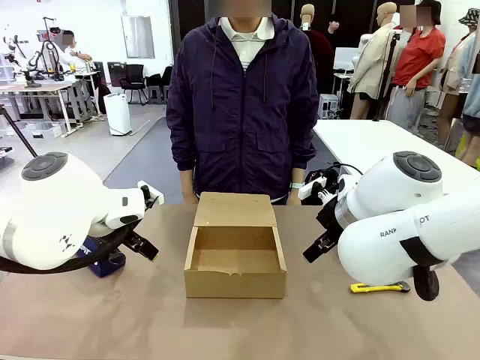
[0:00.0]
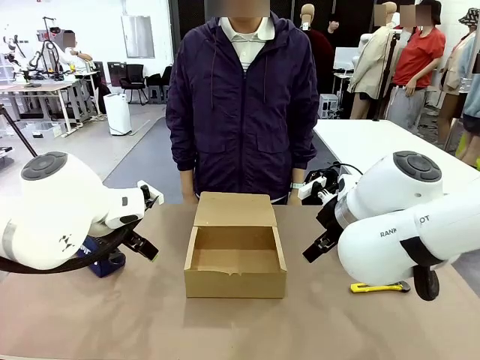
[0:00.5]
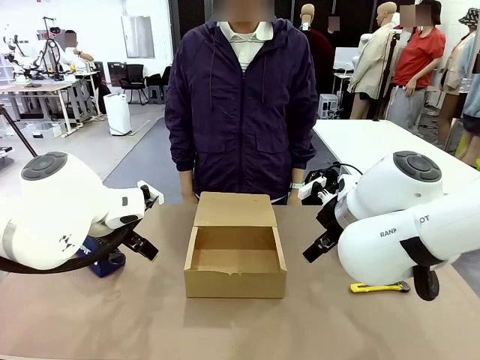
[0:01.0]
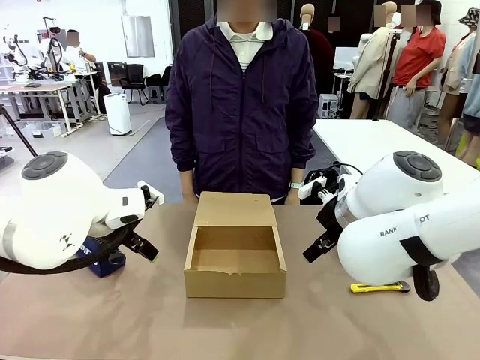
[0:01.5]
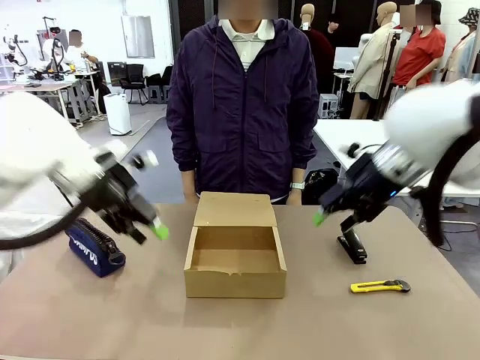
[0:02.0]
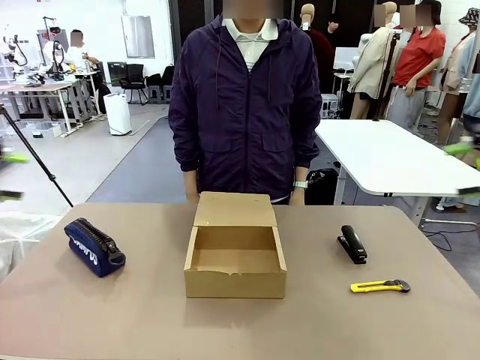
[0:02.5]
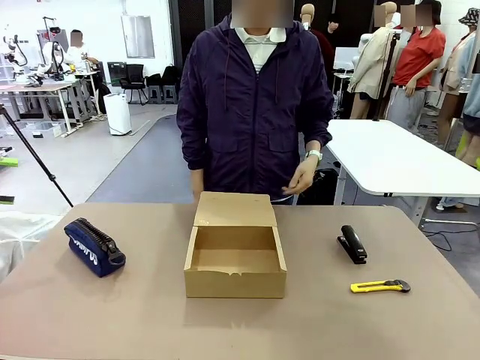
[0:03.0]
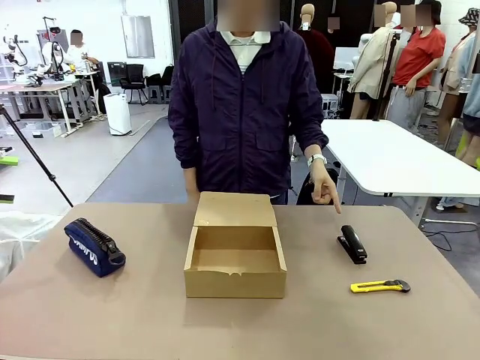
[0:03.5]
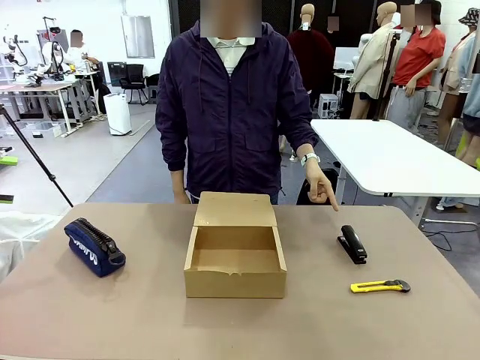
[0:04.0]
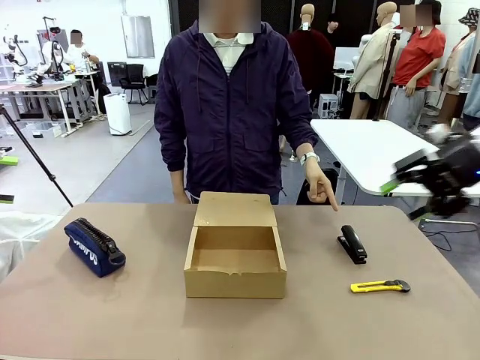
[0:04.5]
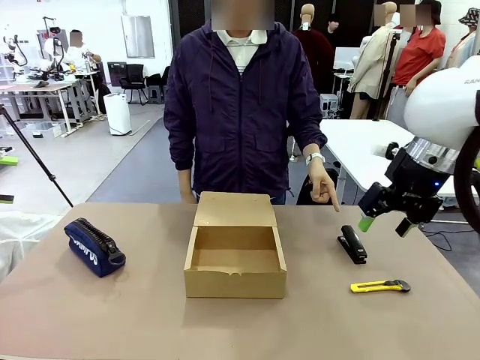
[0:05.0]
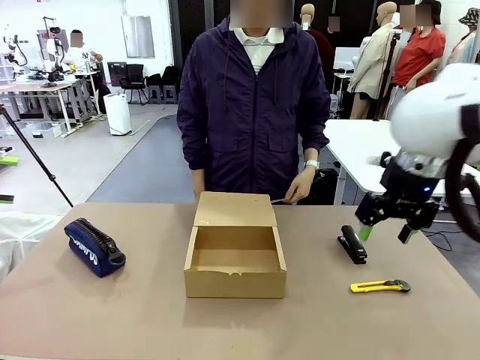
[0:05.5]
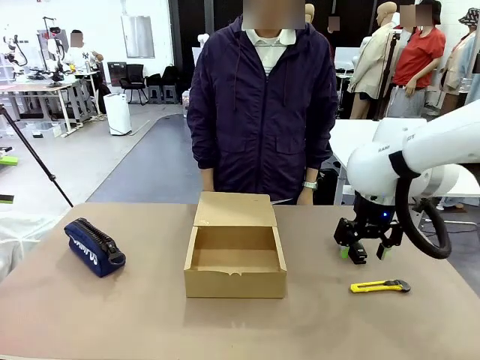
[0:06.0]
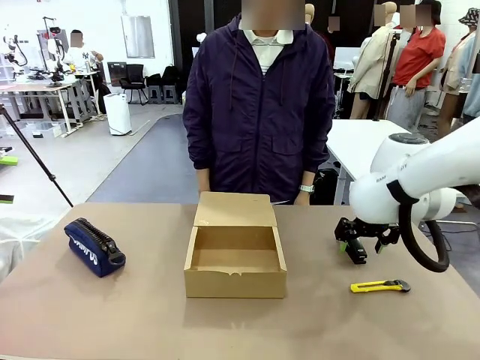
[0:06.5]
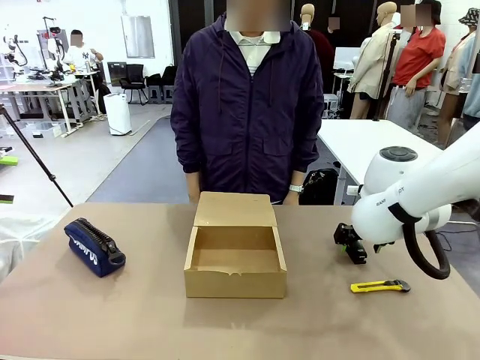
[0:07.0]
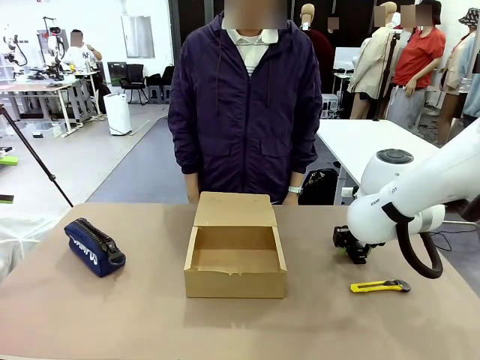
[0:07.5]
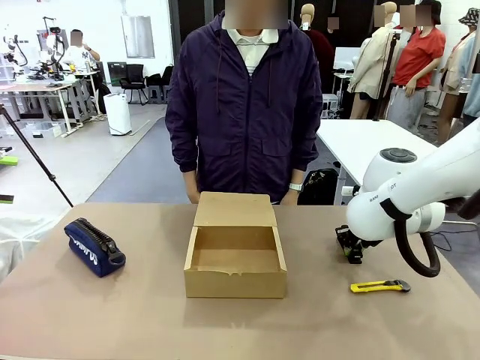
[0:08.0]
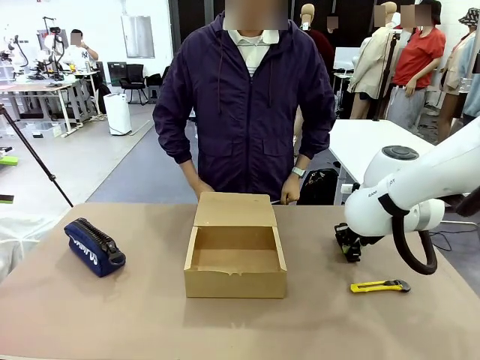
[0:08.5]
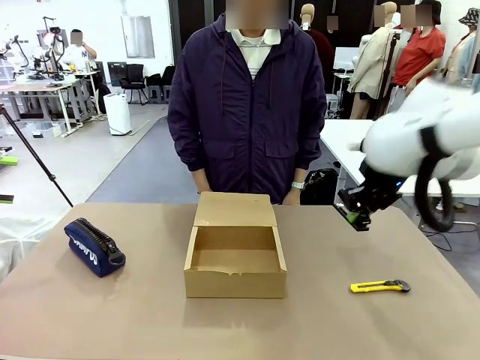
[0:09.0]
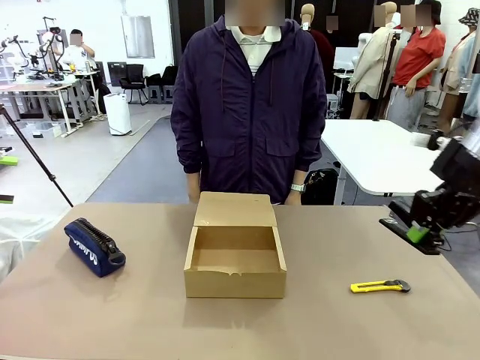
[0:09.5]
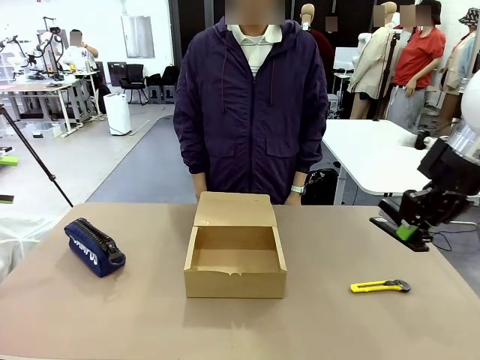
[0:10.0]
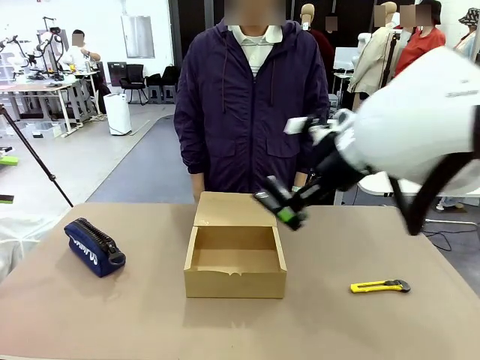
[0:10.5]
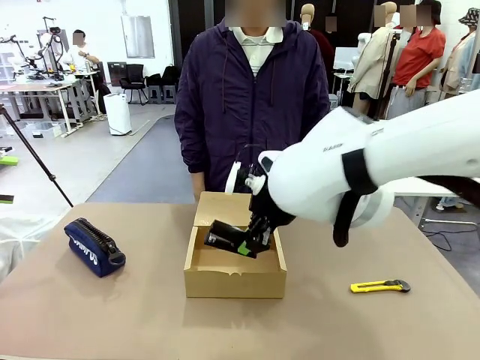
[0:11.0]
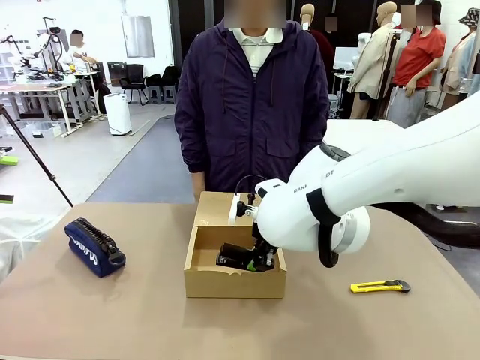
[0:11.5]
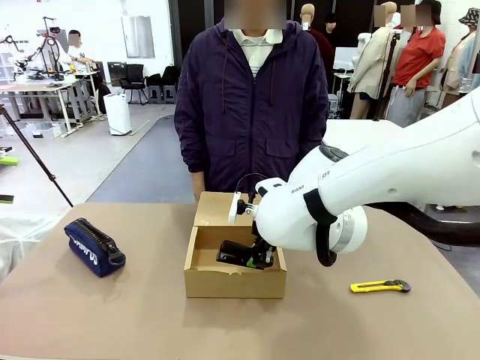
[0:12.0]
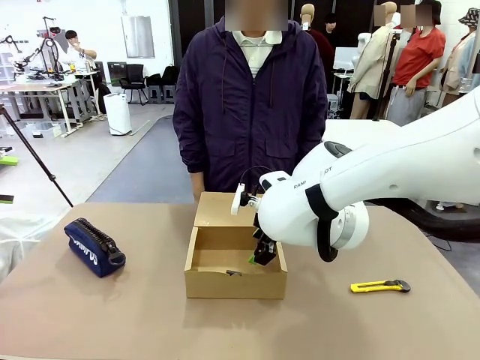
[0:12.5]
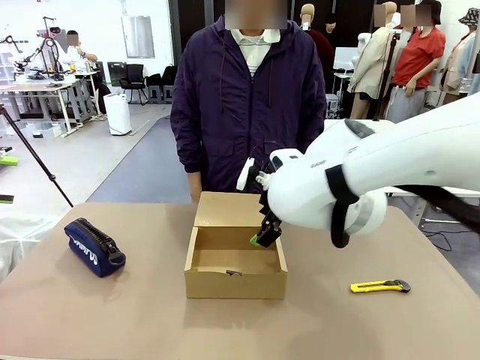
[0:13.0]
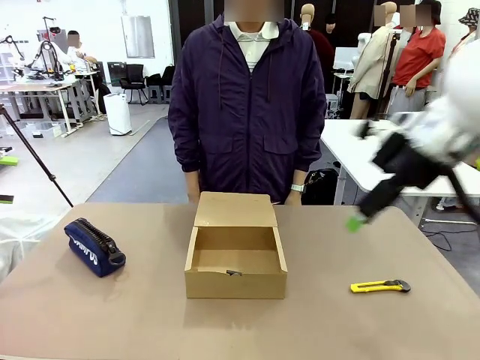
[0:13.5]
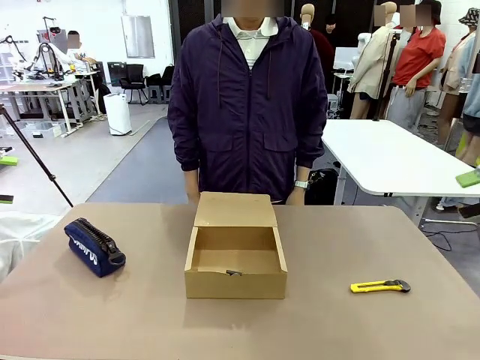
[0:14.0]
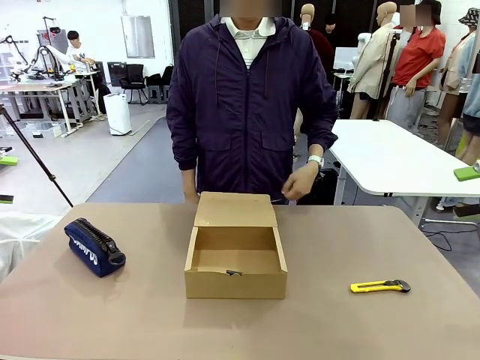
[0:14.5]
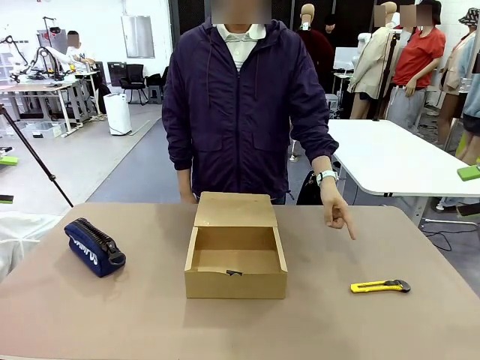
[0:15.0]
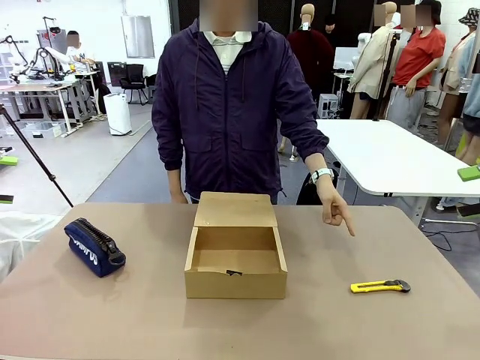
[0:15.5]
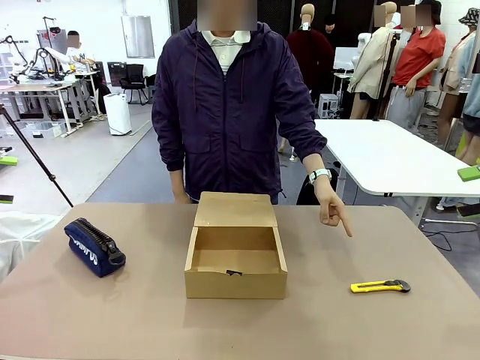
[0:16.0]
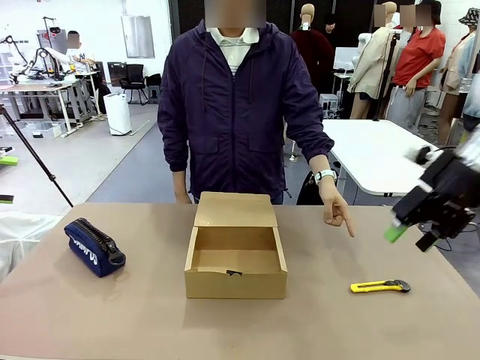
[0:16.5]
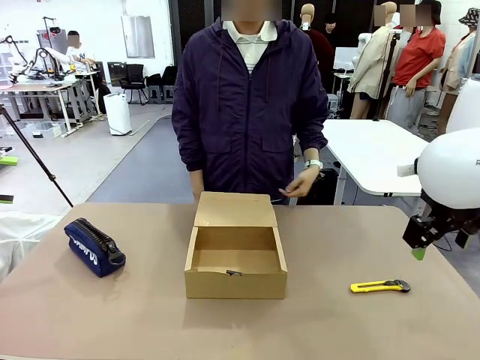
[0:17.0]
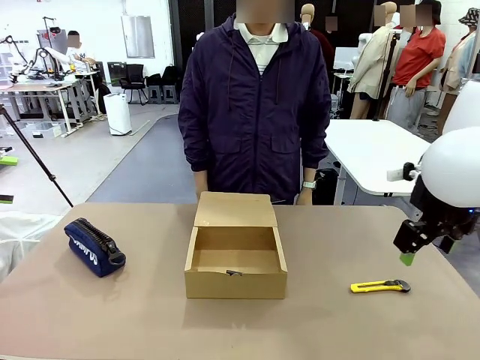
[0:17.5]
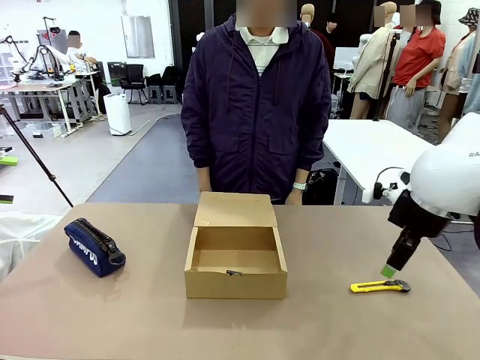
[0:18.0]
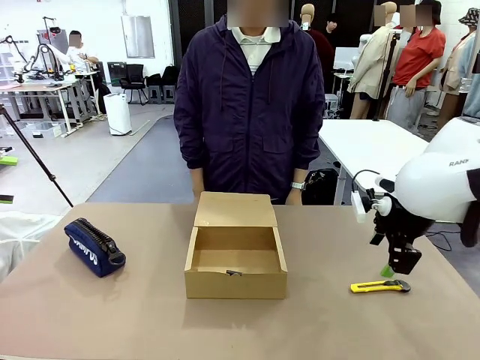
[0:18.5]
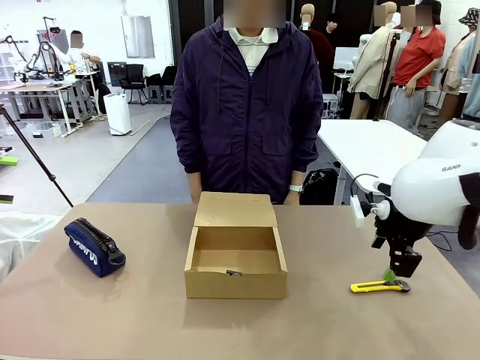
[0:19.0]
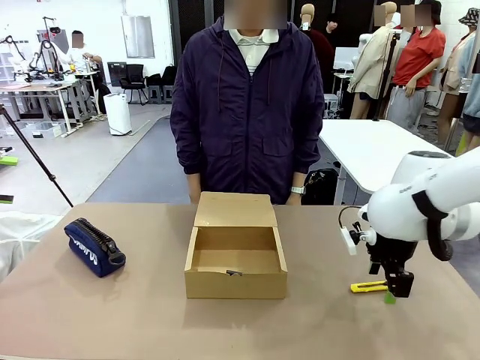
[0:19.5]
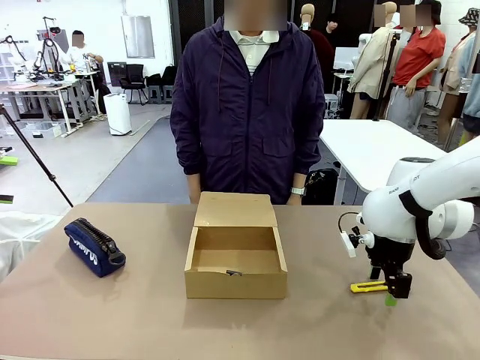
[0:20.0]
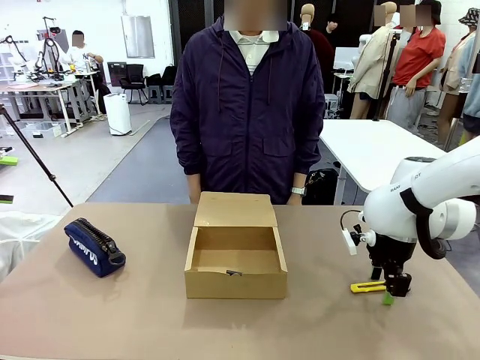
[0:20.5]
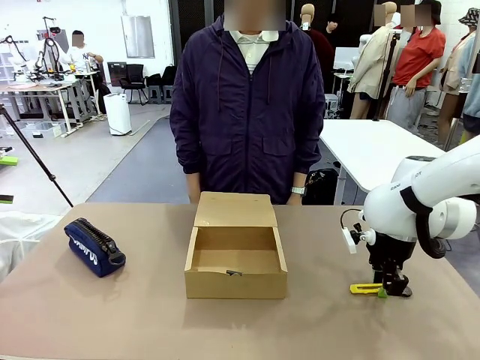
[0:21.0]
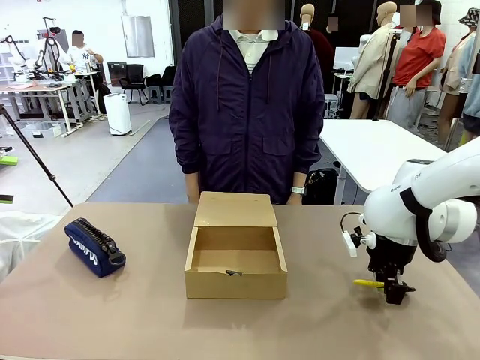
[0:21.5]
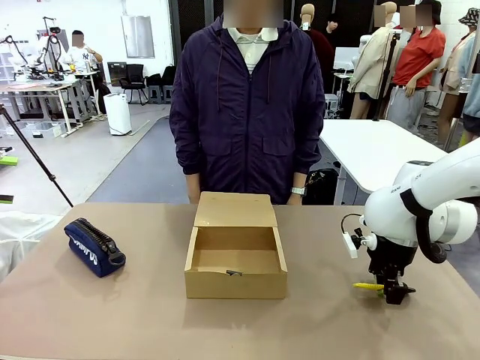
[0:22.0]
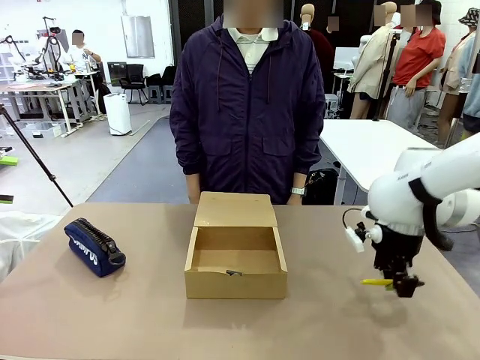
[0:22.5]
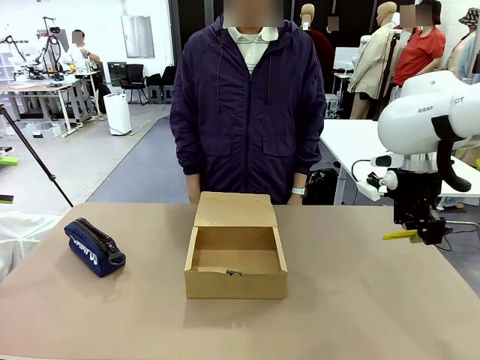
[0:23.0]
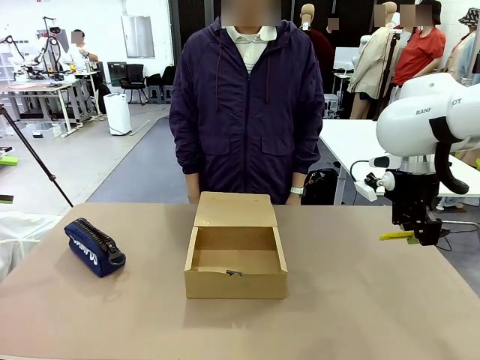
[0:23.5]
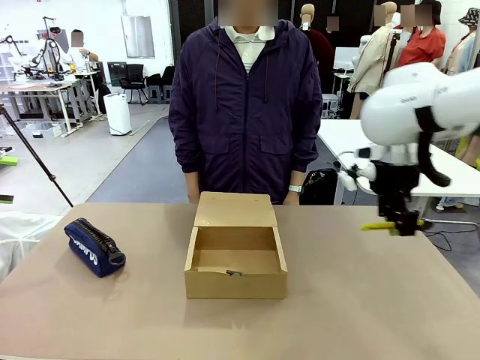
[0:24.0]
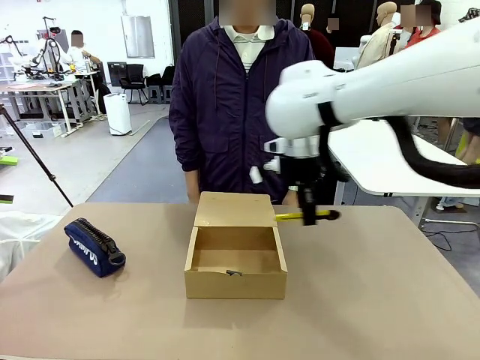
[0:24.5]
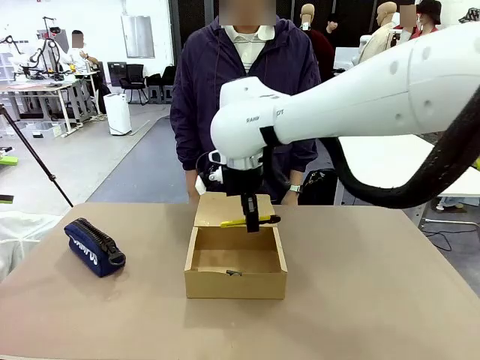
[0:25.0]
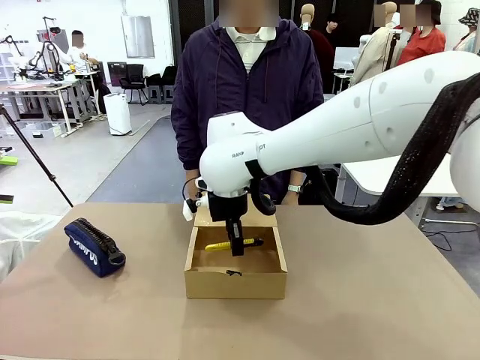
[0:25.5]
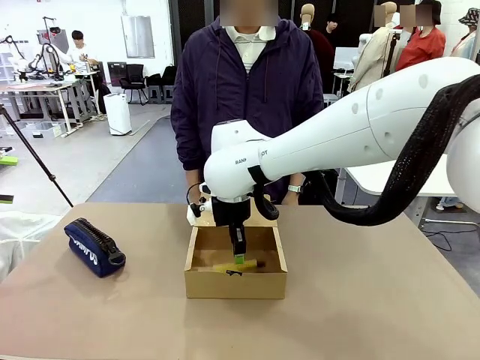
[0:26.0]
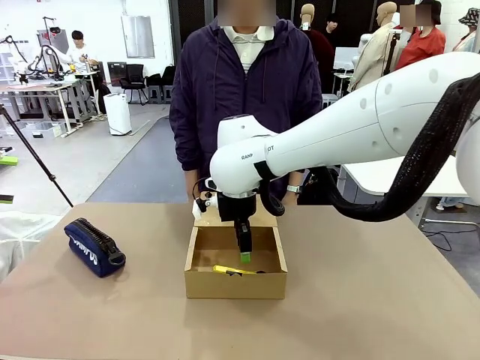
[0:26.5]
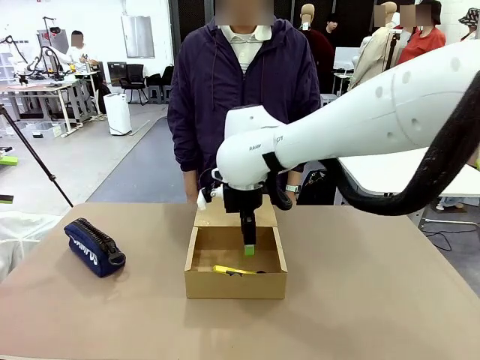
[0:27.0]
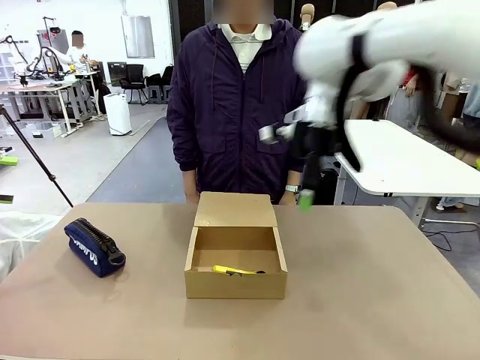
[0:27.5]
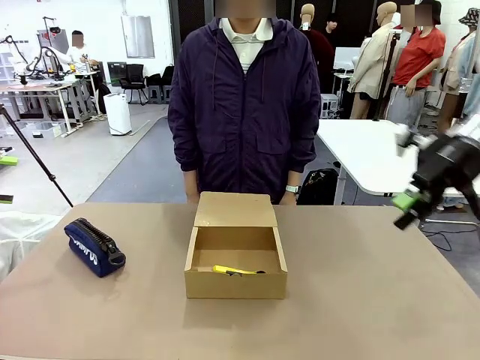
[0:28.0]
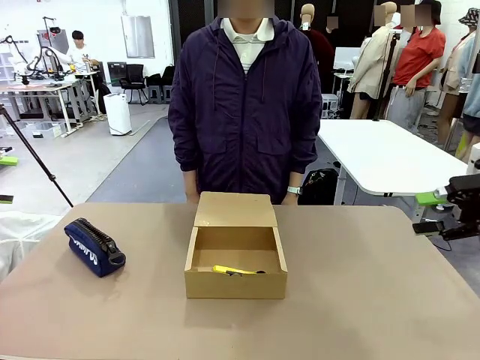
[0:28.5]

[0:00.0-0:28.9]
Task: Pack the items into the box.
Robot: Pick up the item specified by the human and place it in the Mailer Box.
Person: Point at one item on the table (excluding the box). Lower both hands vertically with palms facing downward, as if pressing something closed.
